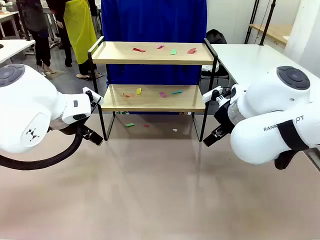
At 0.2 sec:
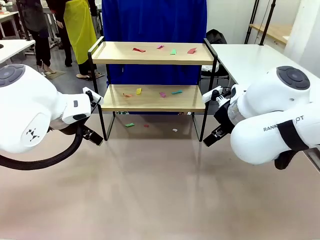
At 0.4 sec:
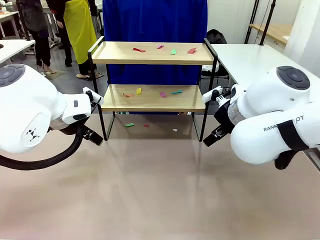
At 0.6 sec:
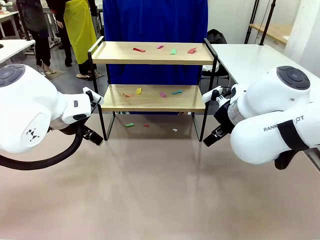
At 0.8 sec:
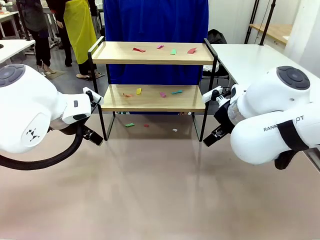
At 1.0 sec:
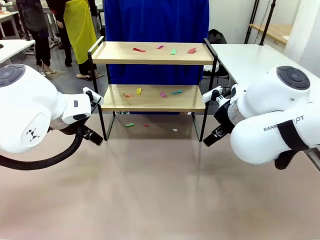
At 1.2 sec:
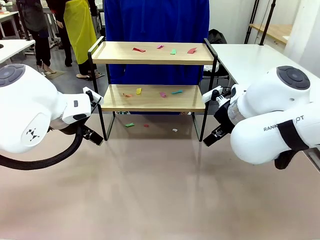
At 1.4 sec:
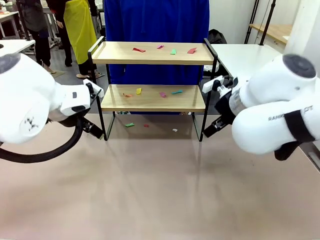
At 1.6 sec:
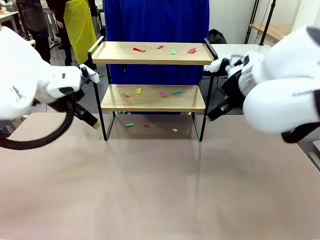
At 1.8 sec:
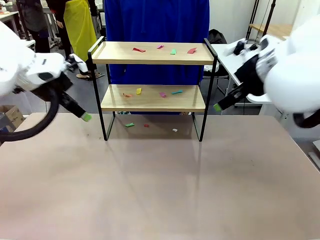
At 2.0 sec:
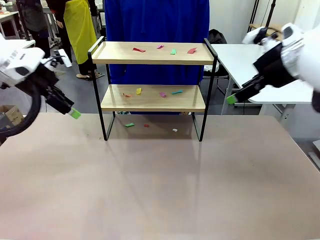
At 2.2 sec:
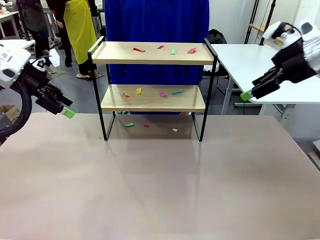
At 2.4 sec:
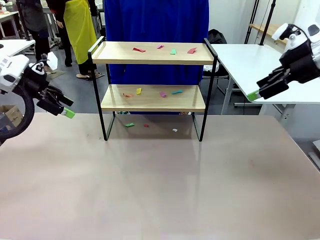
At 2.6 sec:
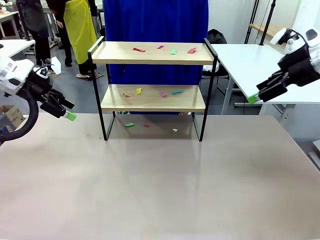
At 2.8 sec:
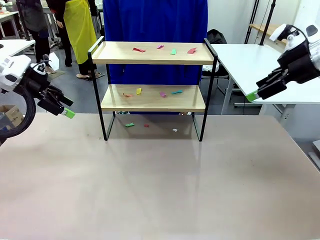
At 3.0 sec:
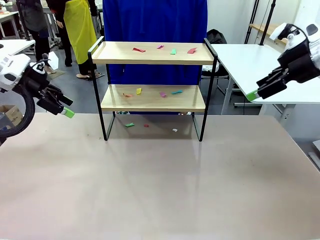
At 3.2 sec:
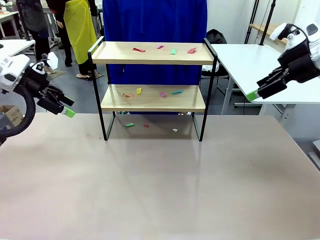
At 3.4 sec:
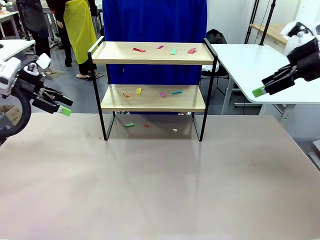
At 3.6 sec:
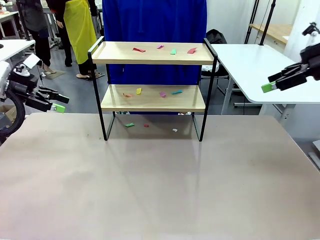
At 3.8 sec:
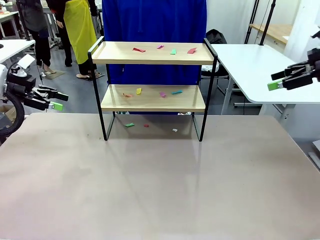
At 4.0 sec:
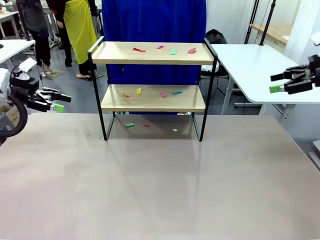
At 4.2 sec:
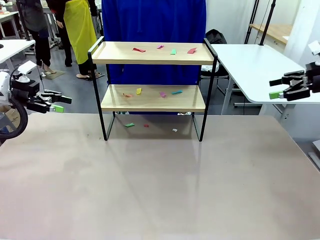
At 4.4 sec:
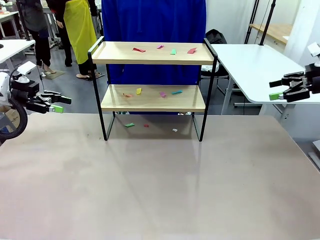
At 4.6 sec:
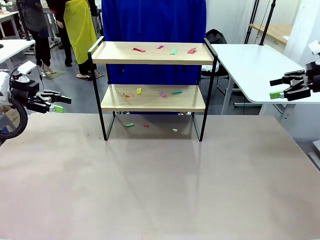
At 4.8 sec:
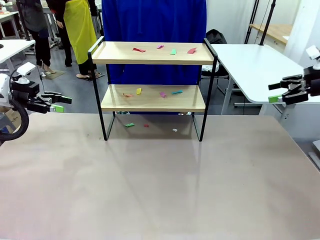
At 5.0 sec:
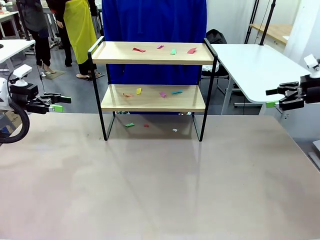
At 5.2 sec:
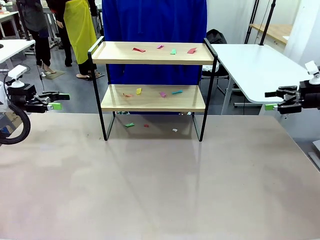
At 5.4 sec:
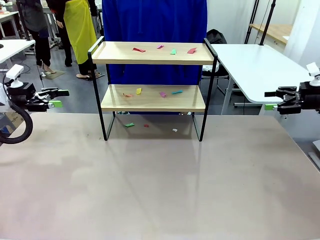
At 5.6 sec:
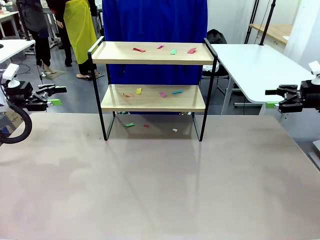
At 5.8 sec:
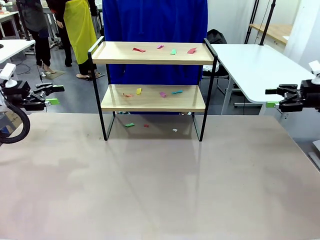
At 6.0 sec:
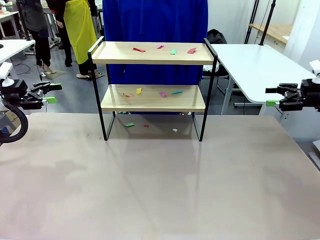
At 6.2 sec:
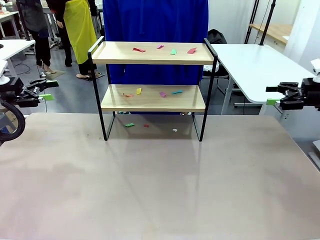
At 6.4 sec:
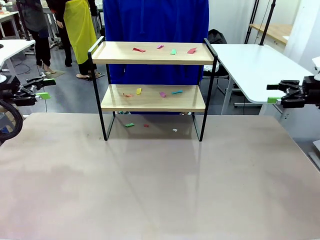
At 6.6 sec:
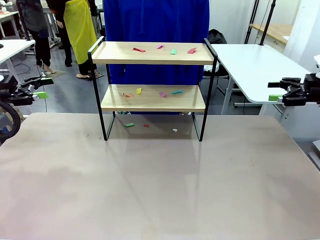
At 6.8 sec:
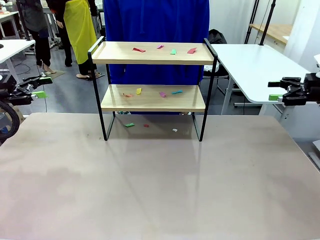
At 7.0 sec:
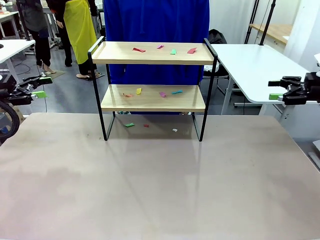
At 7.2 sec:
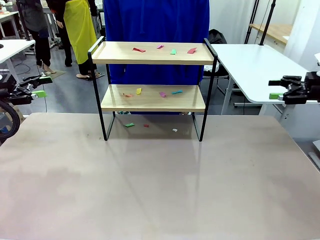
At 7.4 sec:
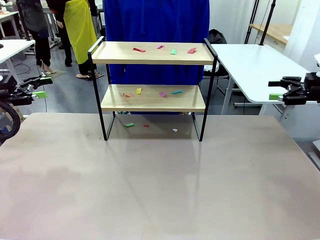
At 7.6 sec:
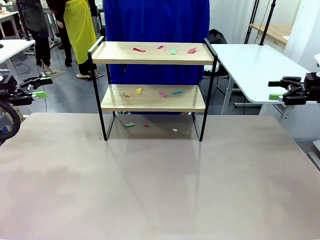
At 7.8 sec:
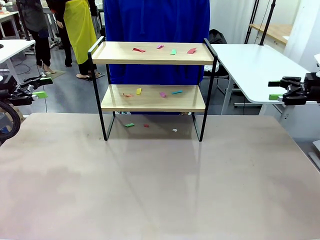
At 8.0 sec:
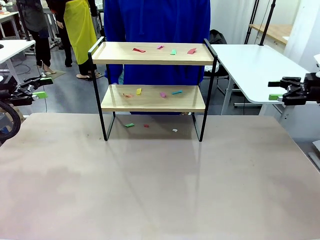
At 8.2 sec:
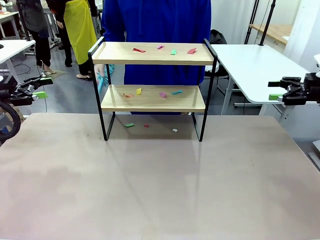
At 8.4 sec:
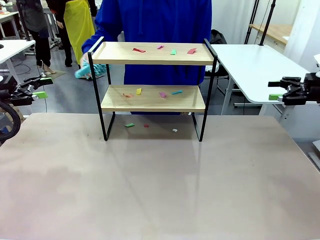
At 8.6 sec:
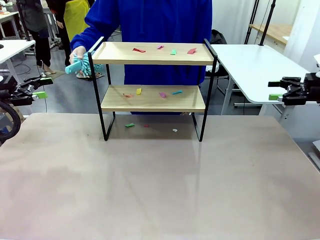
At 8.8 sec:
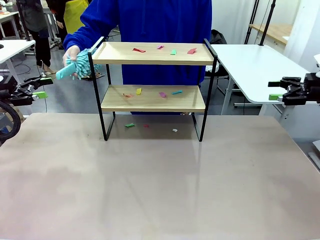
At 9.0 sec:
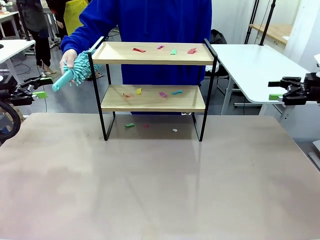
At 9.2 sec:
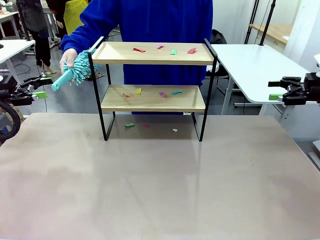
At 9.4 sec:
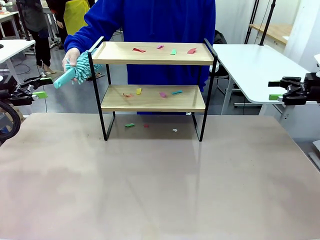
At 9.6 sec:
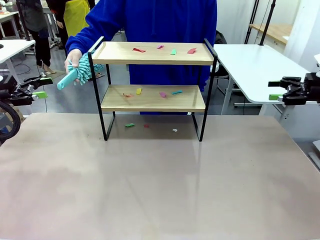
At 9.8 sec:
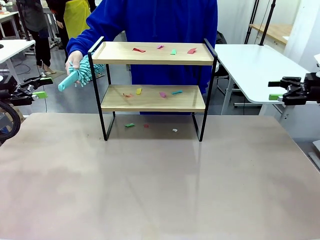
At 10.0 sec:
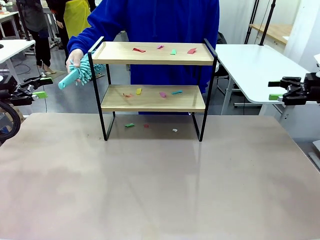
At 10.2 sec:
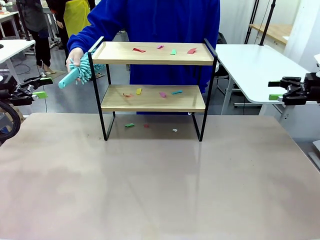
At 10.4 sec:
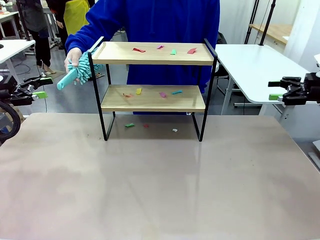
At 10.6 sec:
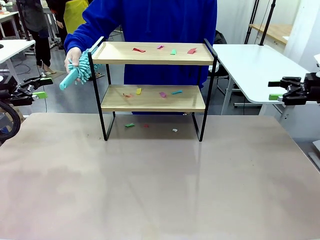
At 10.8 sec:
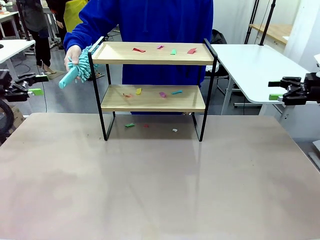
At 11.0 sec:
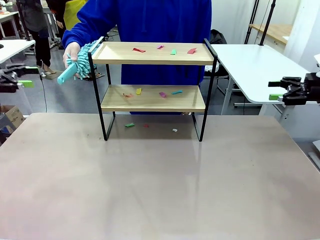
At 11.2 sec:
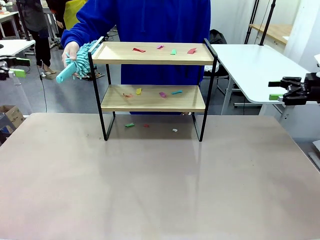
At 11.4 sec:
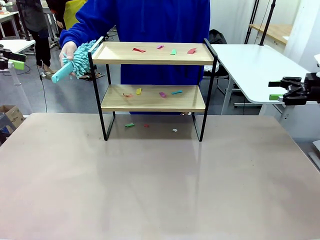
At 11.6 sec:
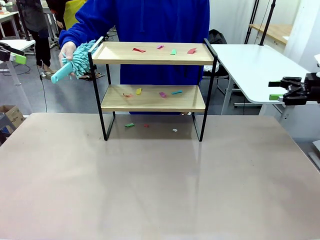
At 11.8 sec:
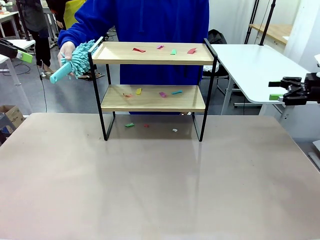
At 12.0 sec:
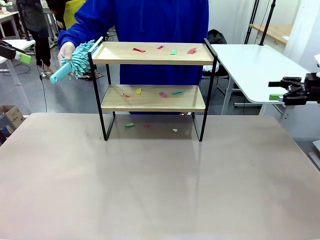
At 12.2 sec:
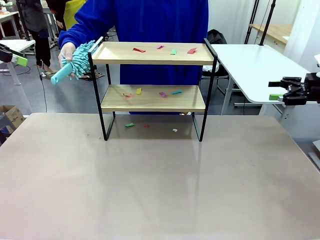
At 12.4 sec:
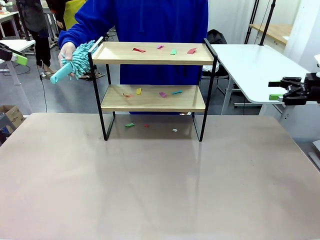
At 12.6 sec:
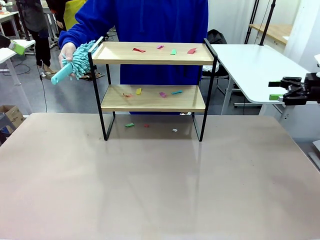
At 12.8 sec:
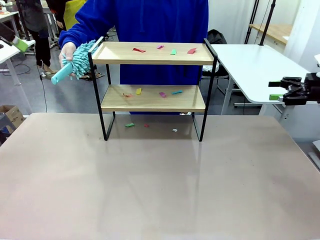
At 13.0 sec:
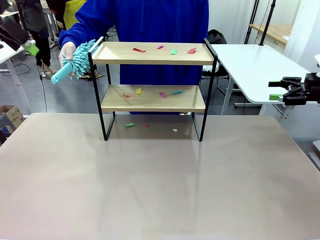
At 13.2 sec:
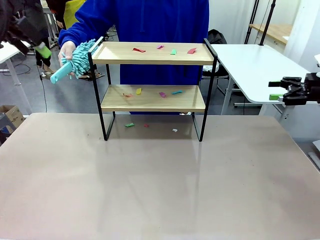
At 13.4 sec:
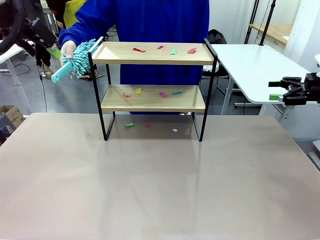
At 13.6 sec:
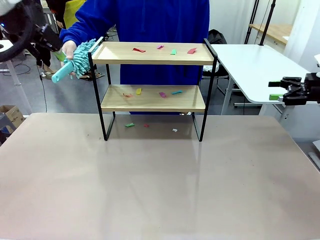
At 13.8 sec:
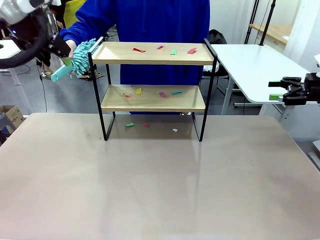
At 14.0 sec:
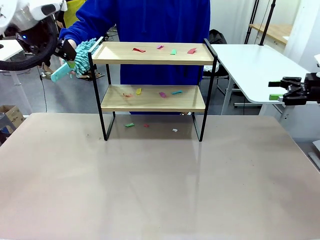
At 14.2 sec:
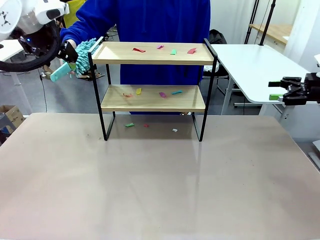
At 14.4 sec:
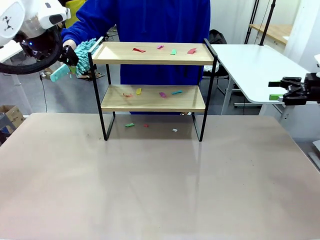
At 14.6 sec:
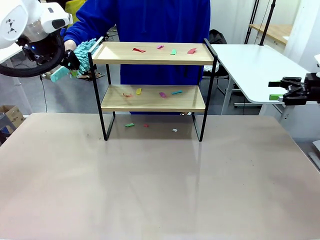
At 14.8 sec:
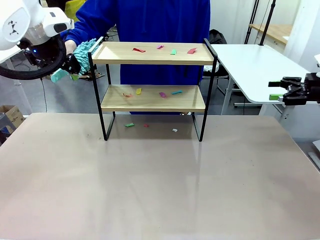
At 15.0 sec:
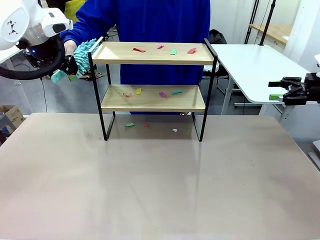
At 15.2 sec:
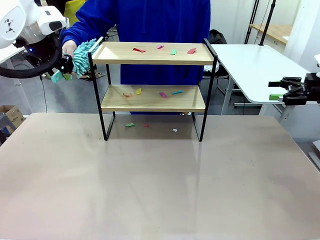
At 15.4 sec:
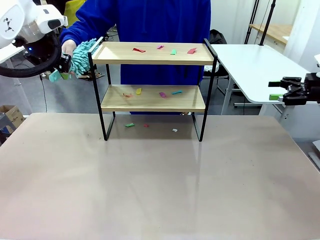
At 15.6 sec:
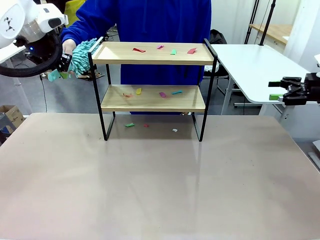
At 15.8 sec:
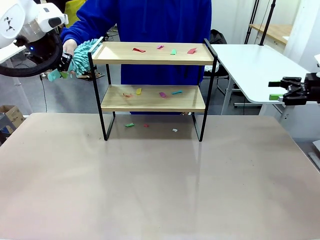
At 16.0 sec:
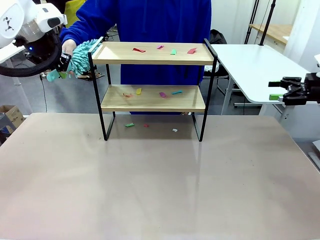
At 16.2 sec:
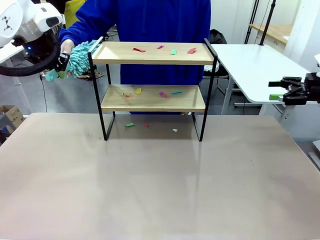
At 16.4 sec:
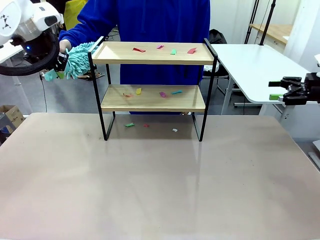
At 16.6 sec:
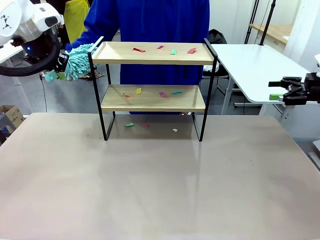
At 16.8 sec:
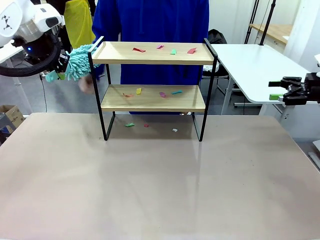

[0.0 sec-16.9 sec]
Task: Clean the shelf.
Robot: Pick up the Duster handed by the human.
Person: Hand the Duster to the robot.
